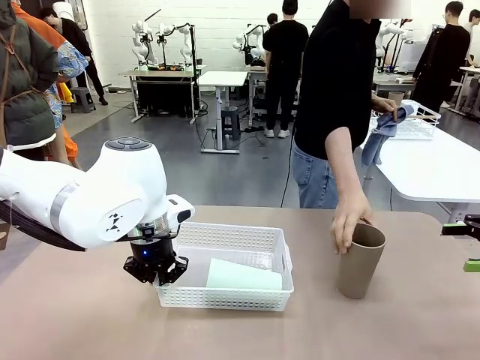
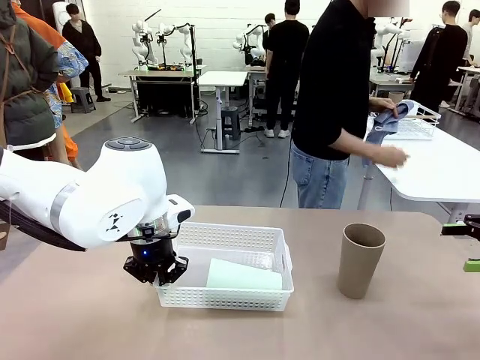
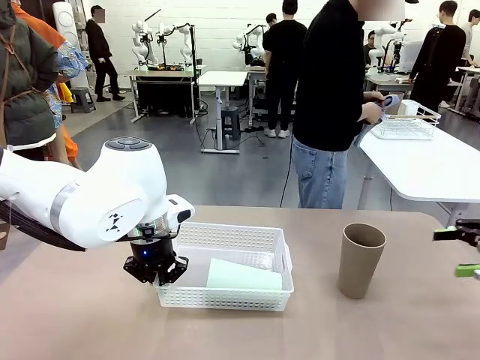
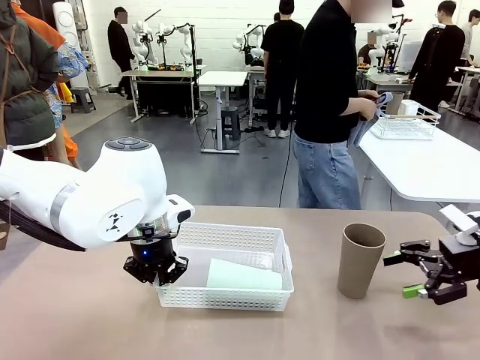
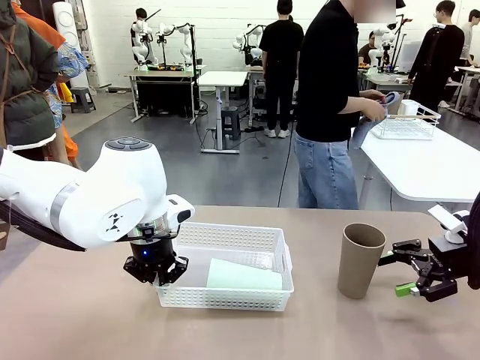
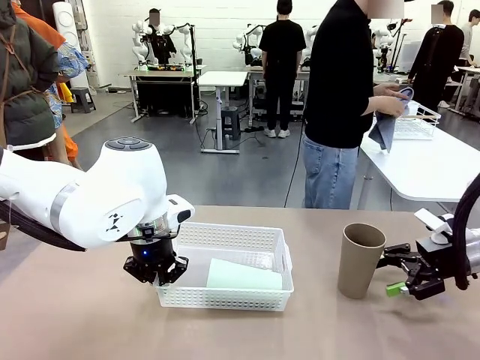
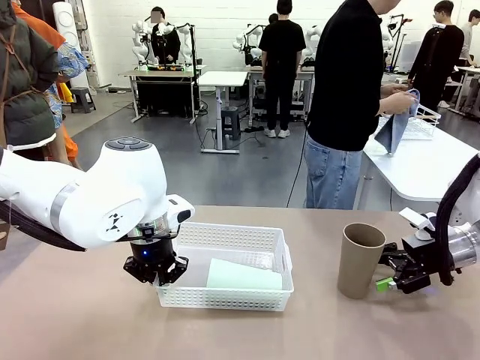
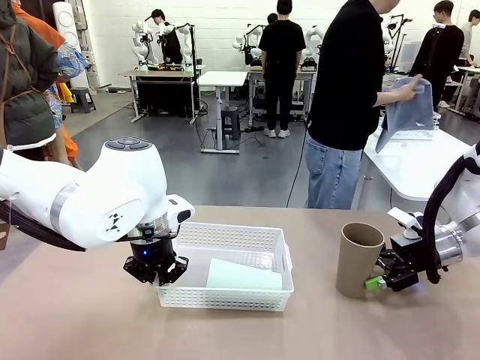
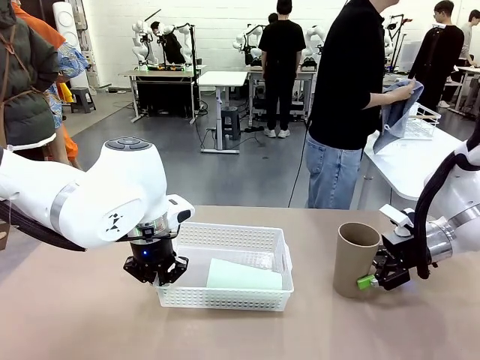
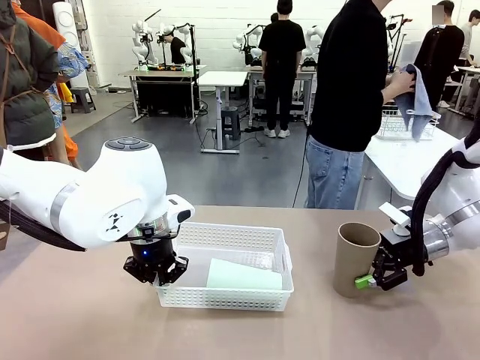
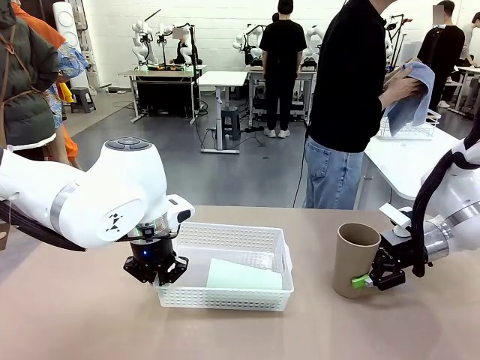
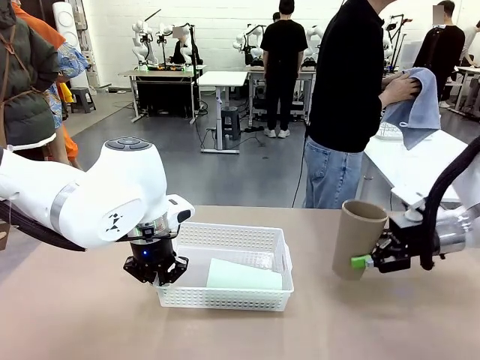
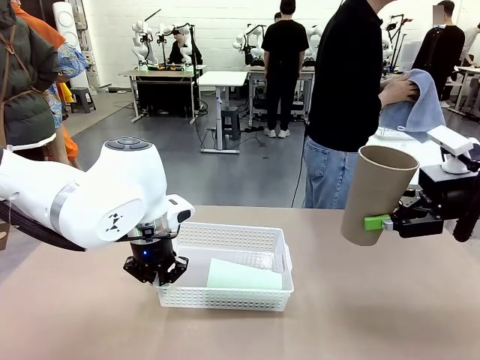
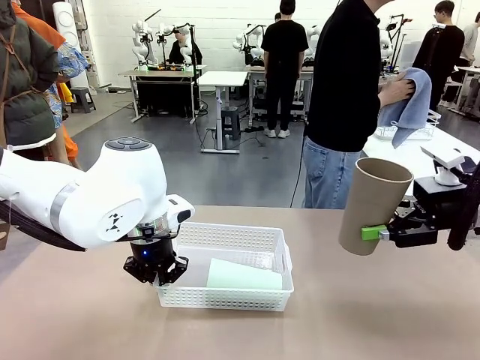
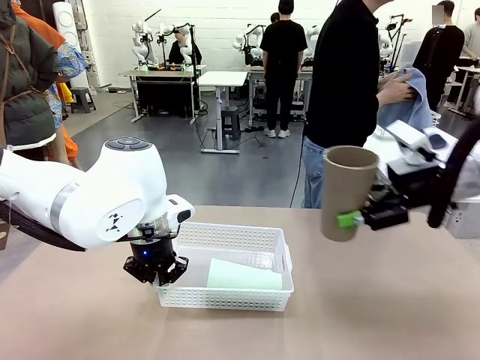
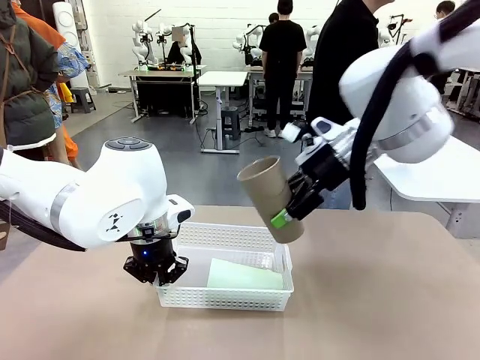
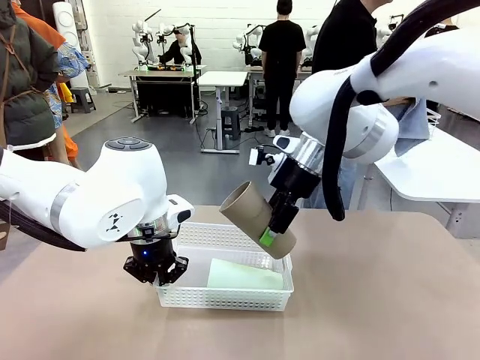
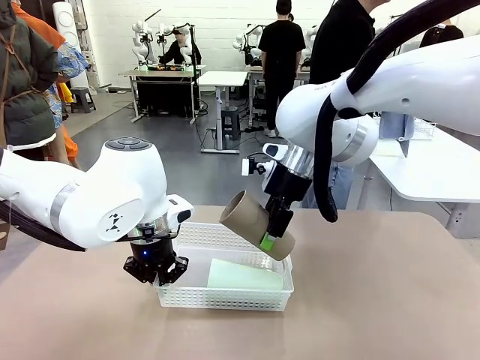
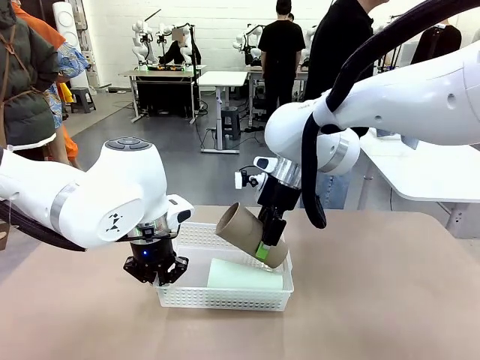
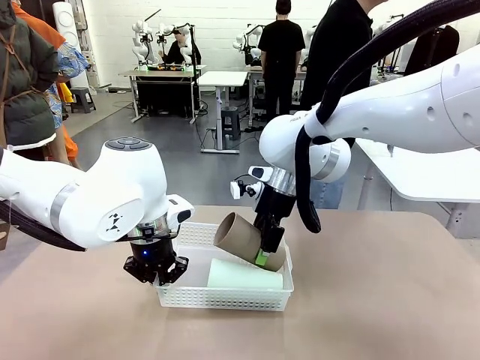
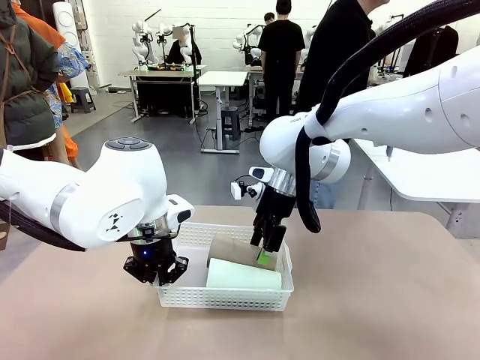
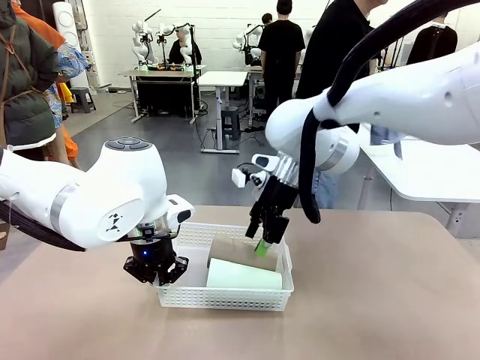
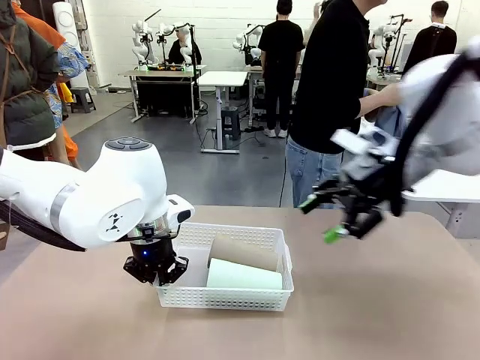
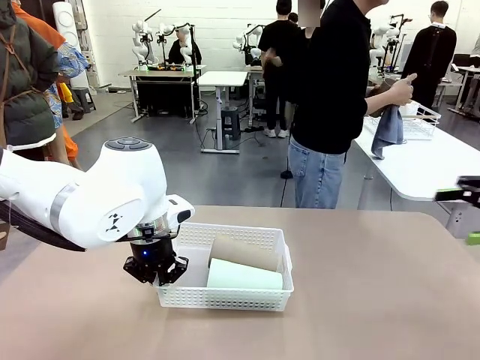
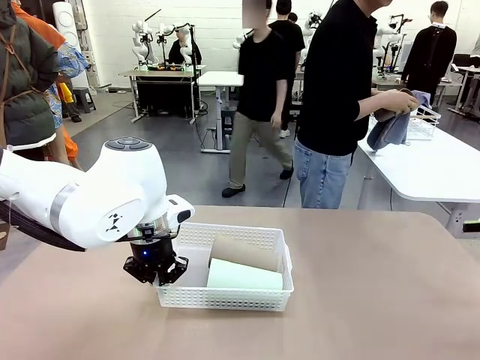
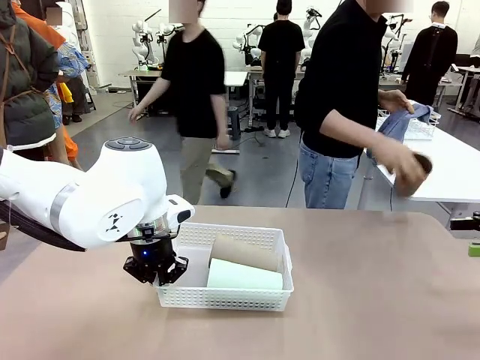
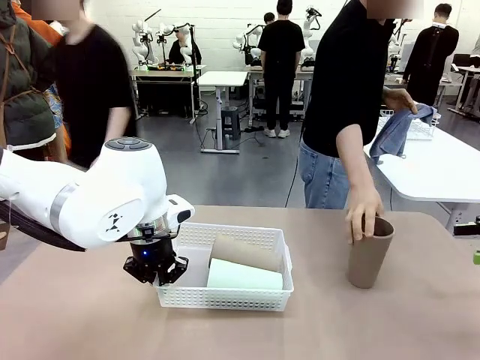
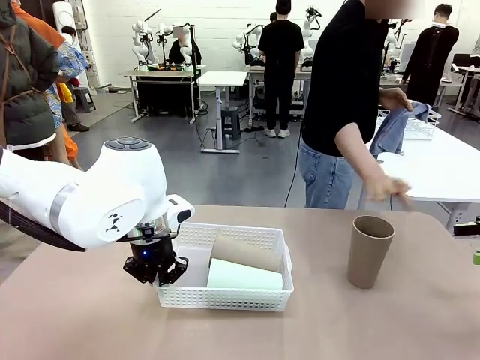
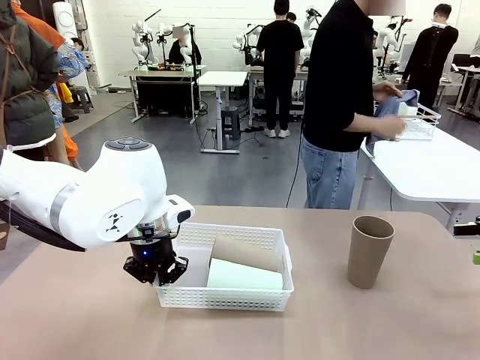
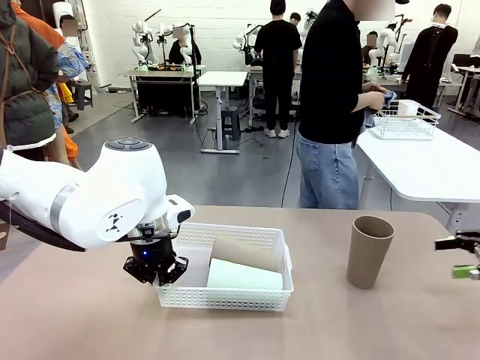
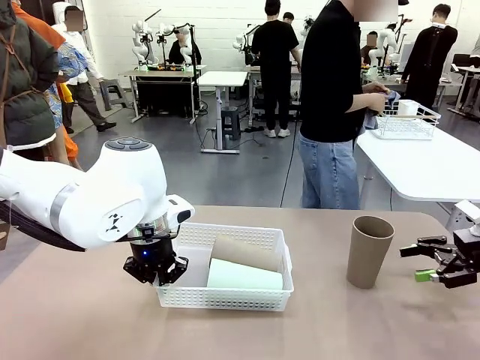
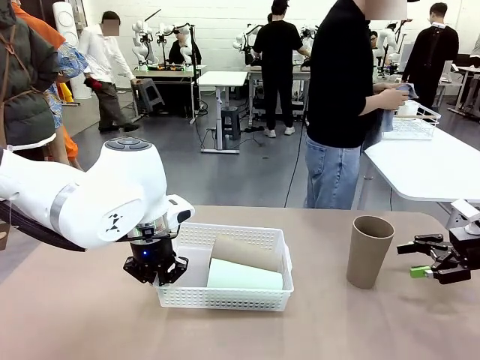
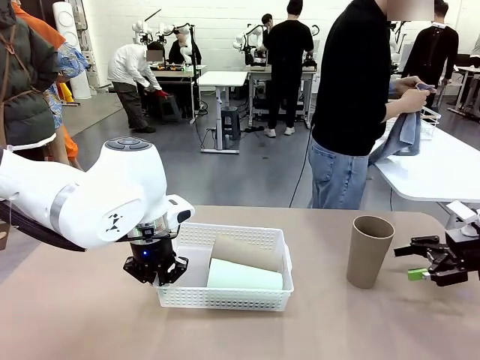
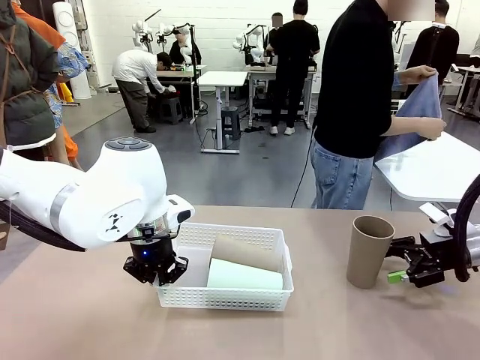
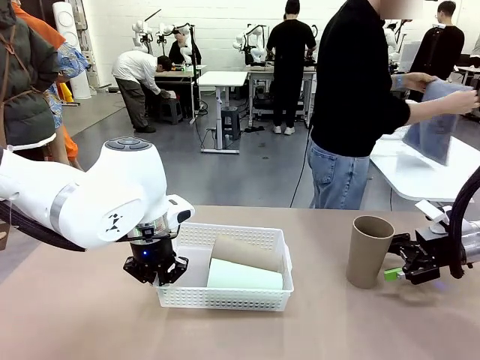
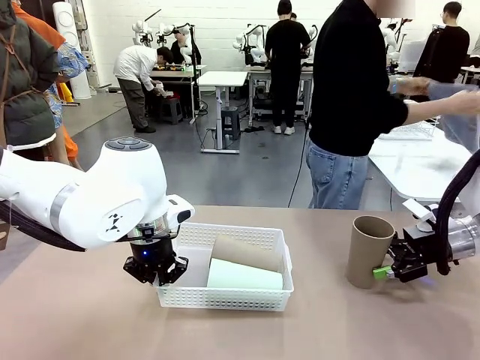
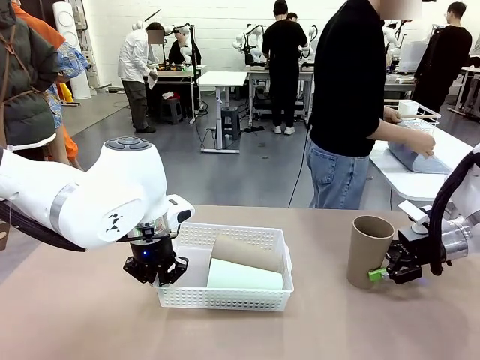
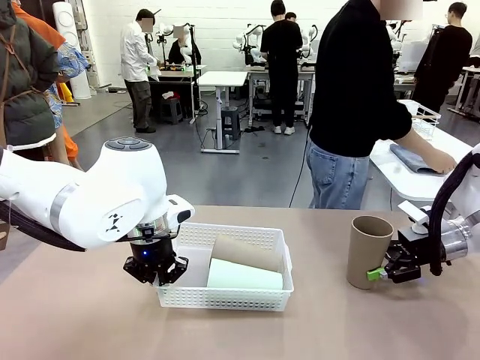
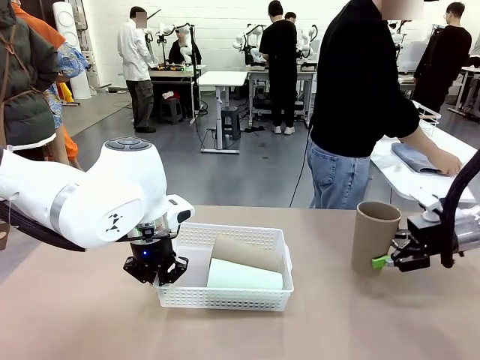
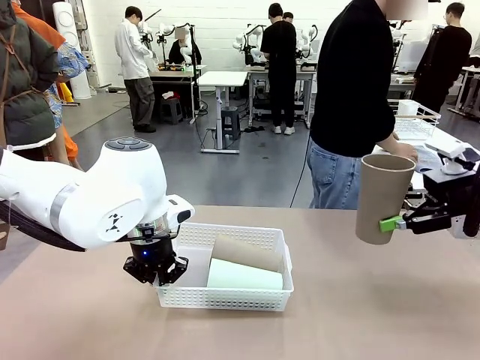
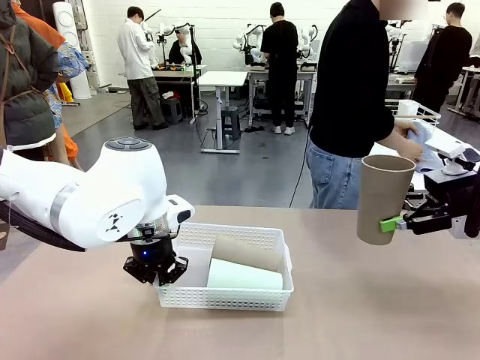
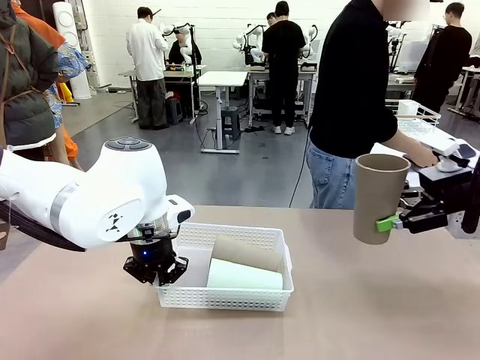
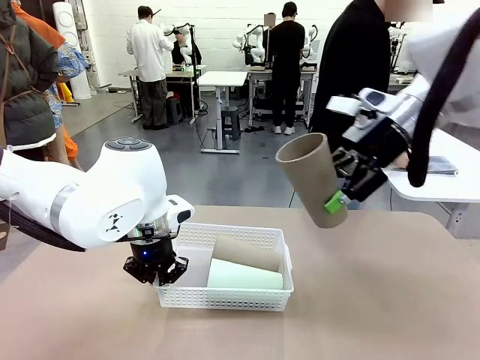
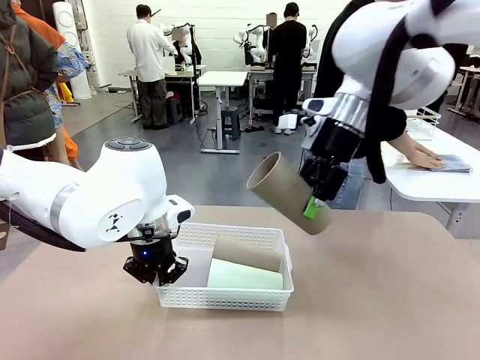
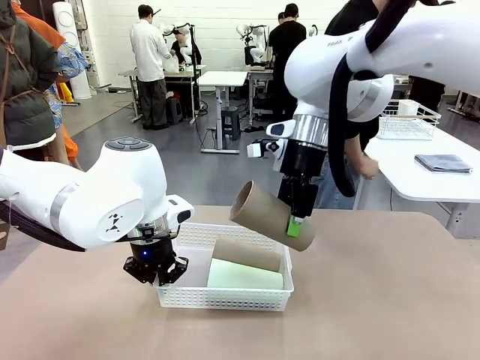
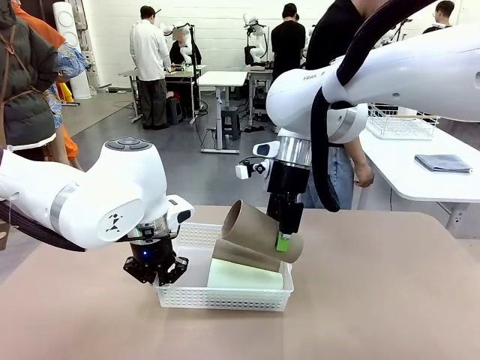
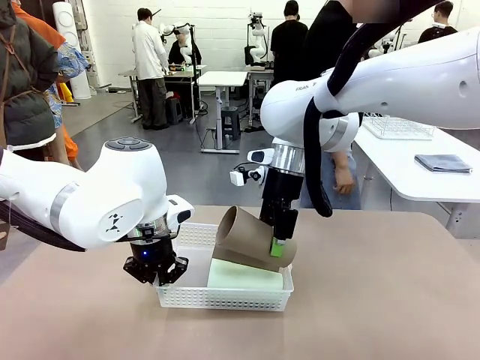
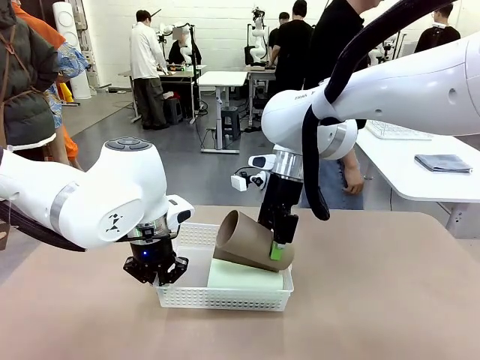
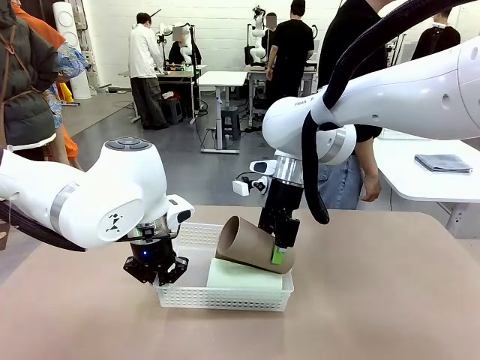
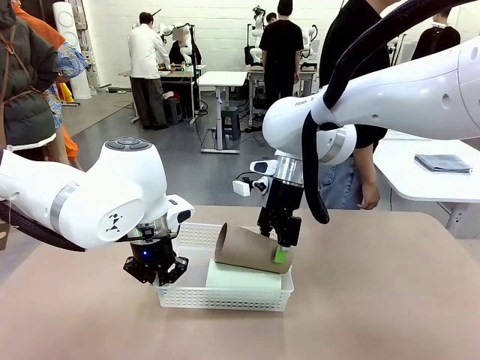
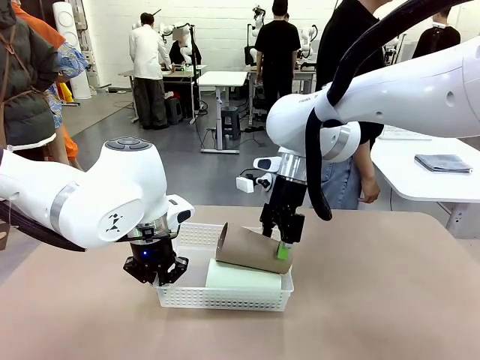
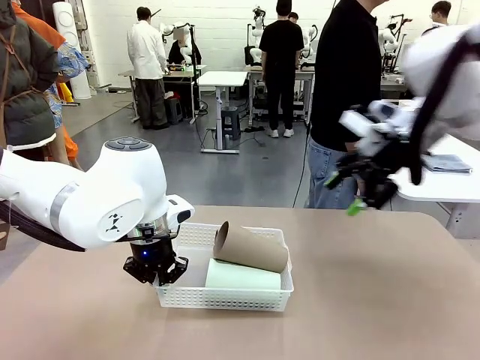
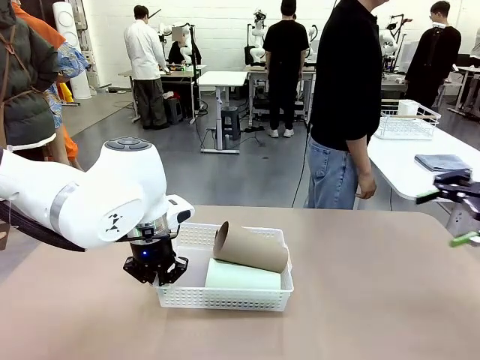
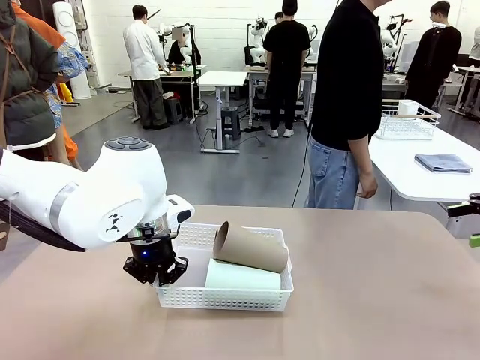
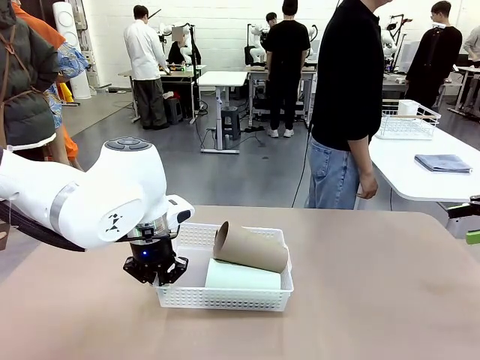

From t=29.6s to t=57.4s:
Task: Clean and organize the cups into the basket.
Robot: Pick up the Reusable plastic cup from the right side of the table and stack it inside the Organizing basket in the center of the table.
